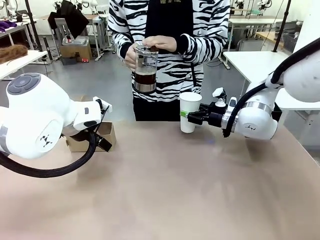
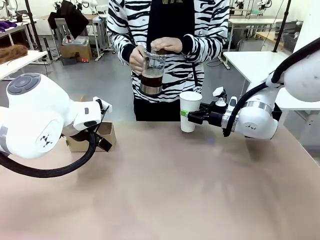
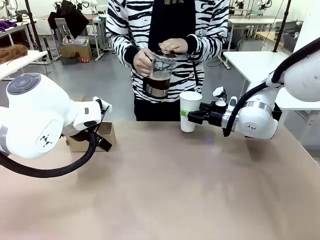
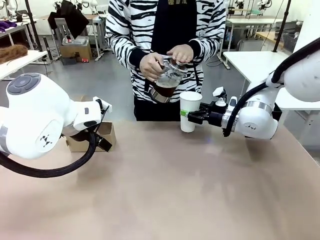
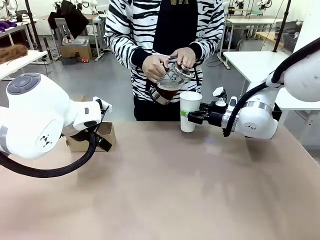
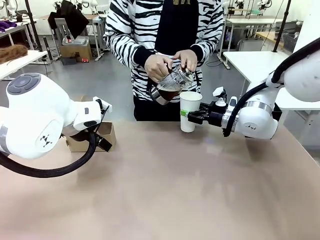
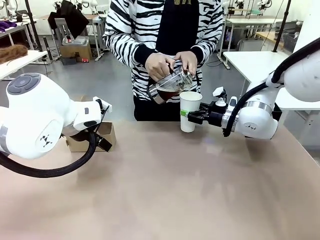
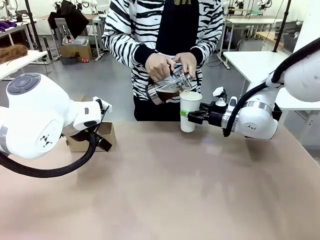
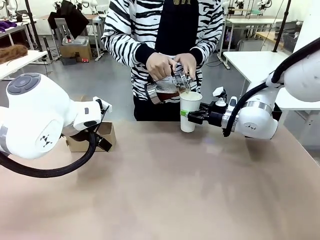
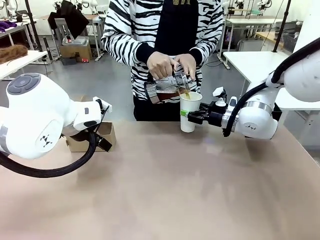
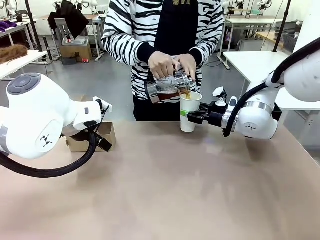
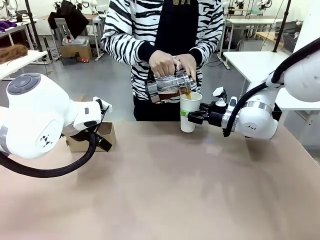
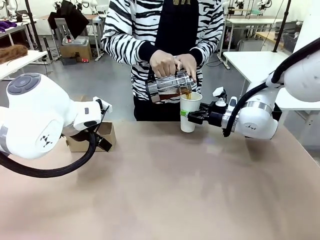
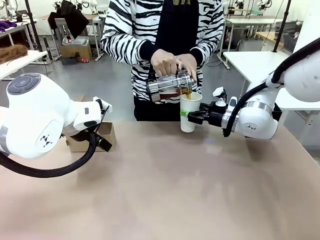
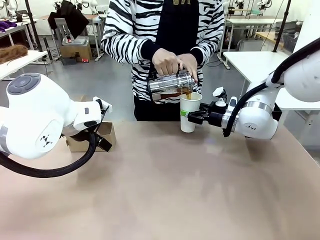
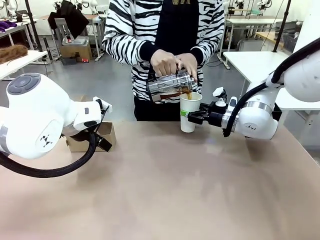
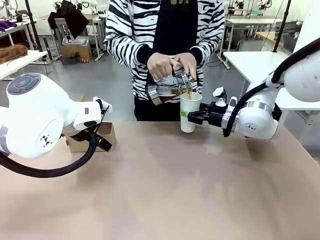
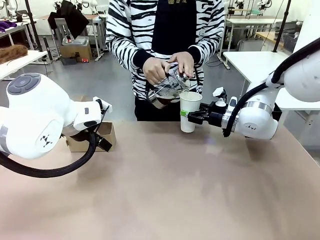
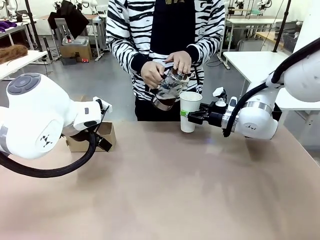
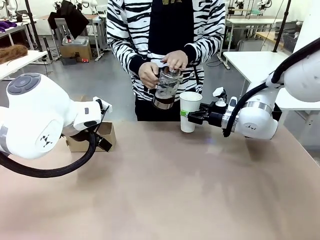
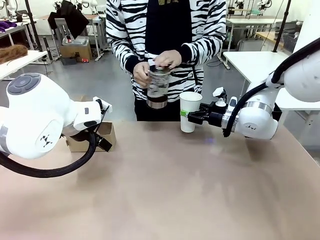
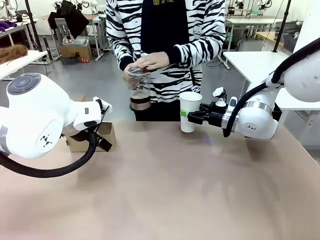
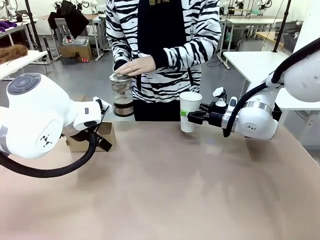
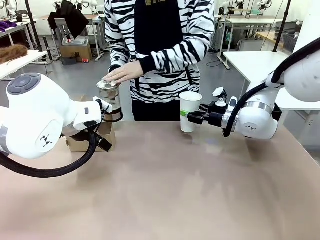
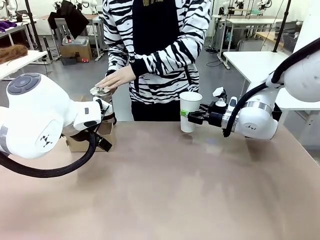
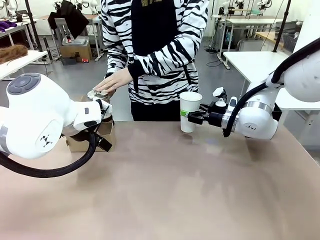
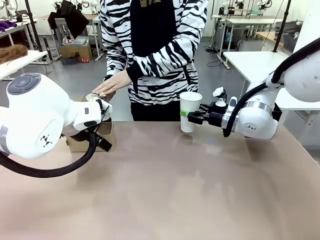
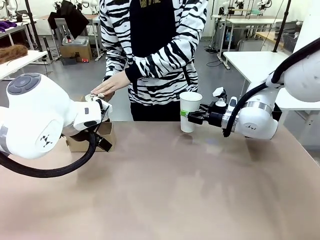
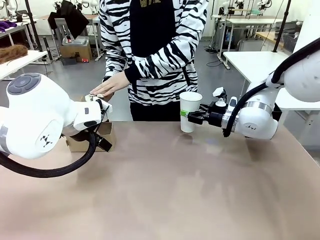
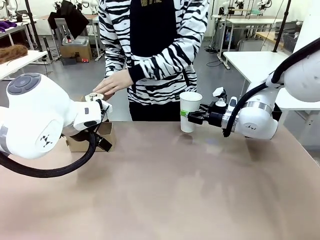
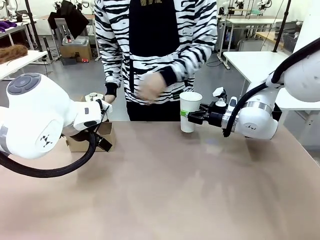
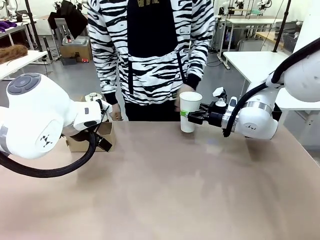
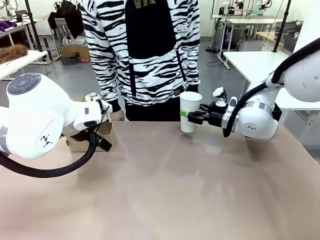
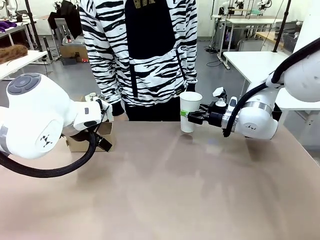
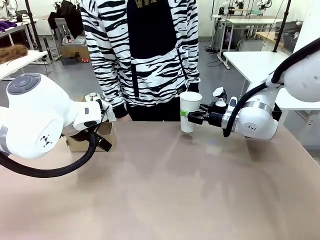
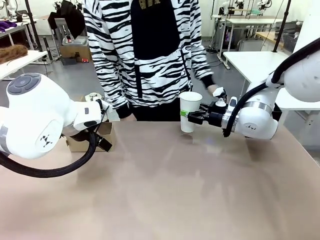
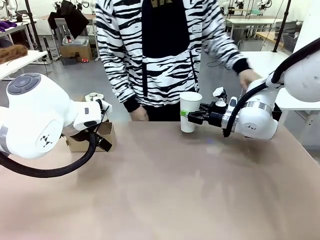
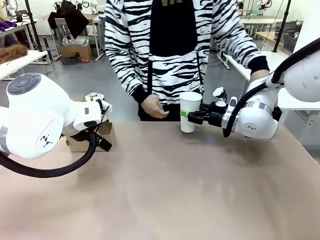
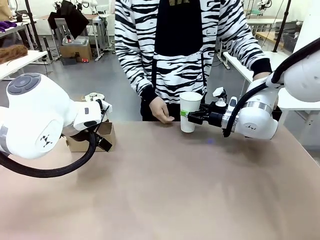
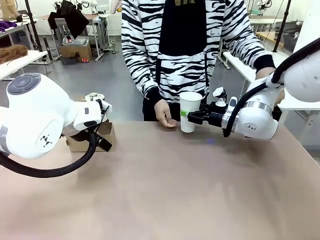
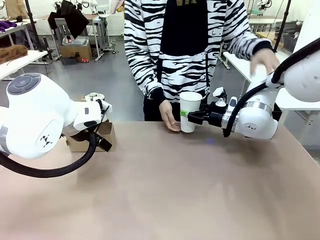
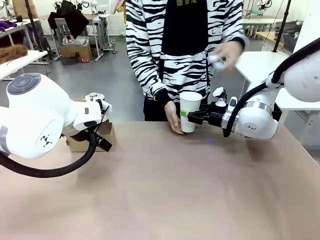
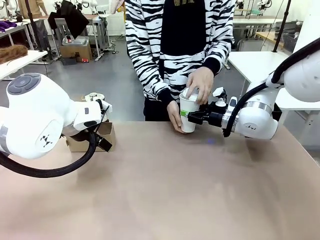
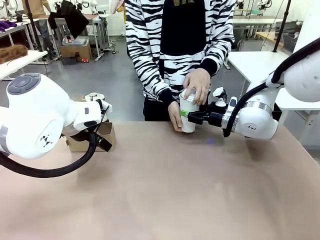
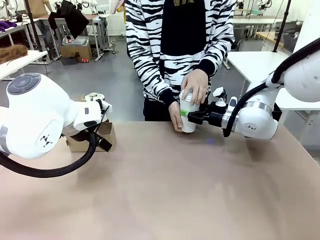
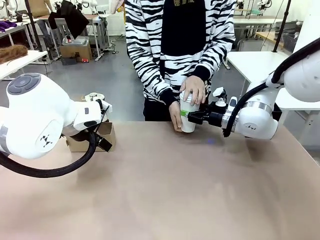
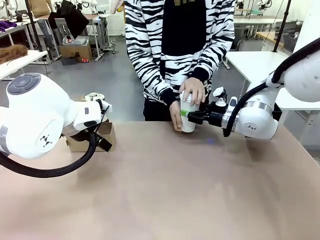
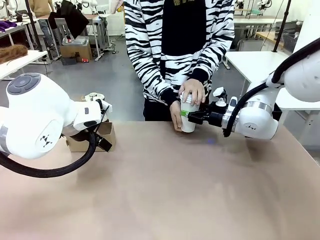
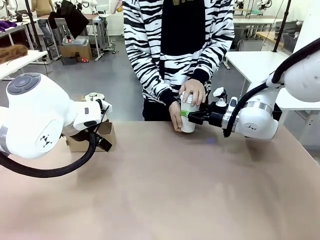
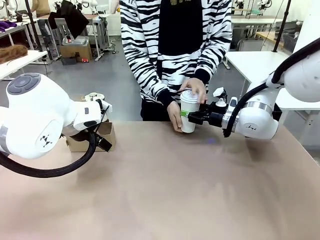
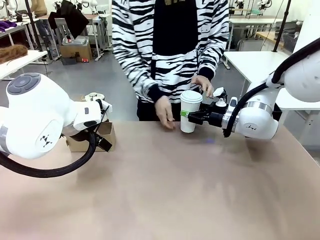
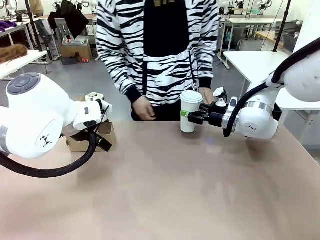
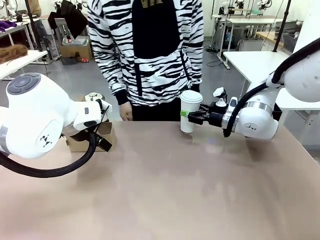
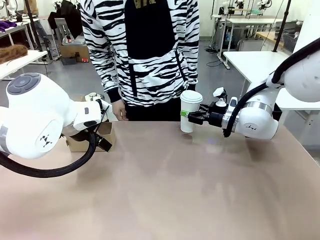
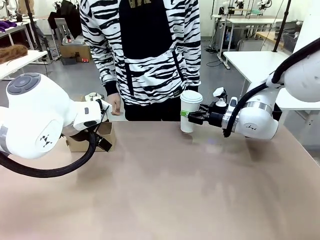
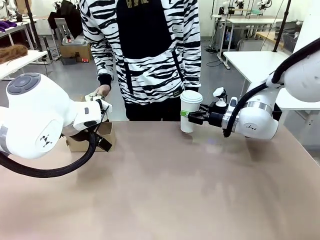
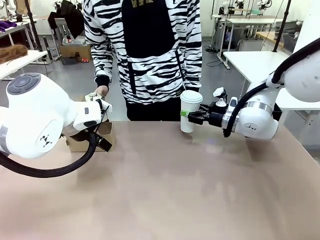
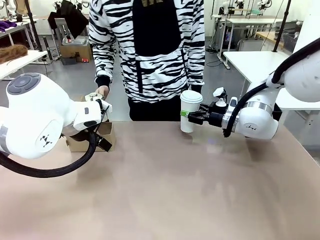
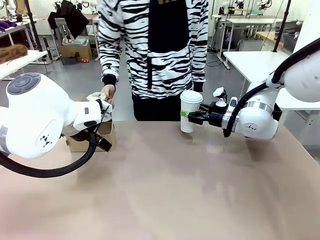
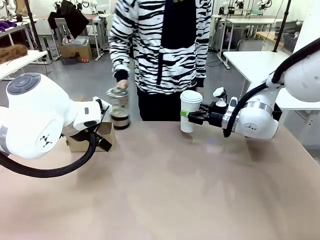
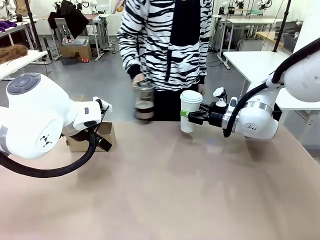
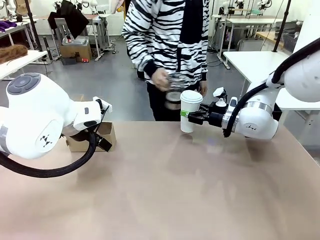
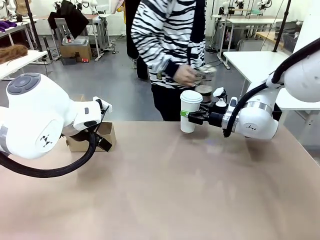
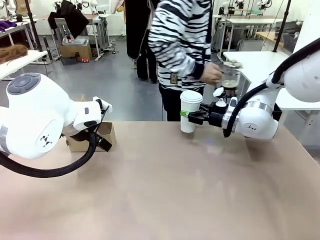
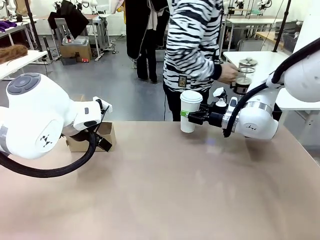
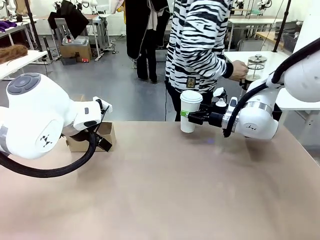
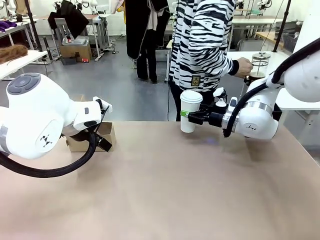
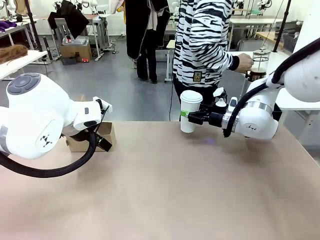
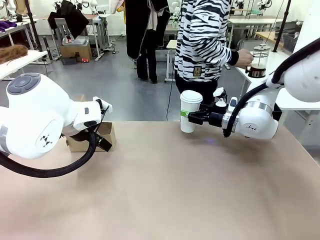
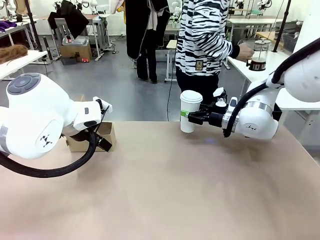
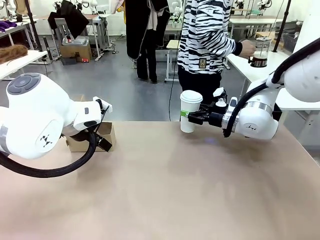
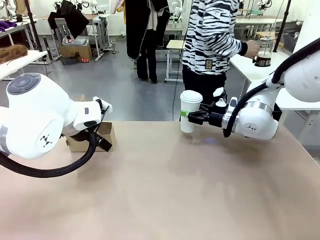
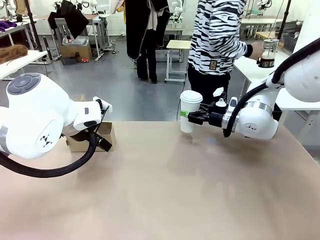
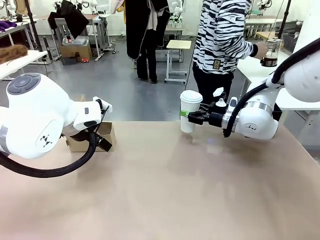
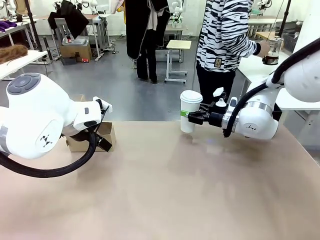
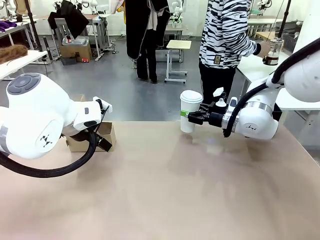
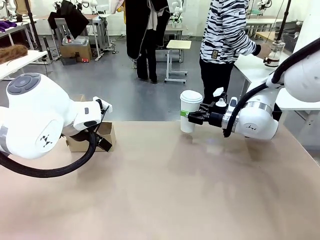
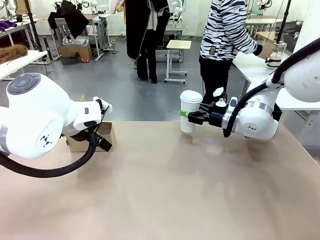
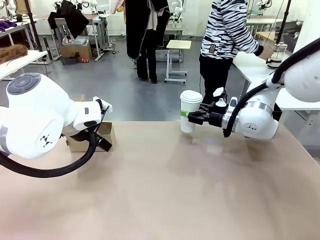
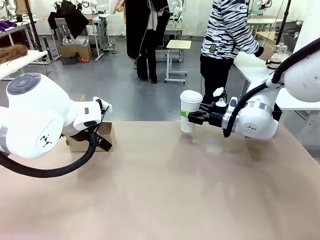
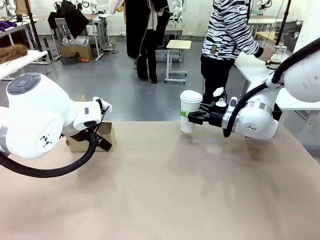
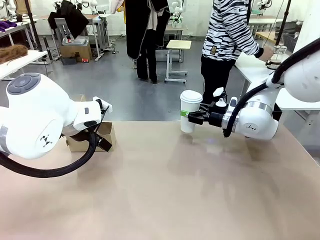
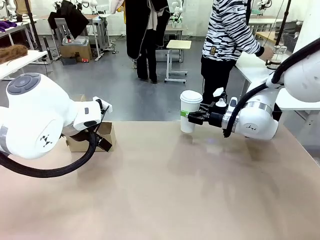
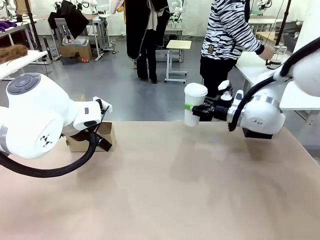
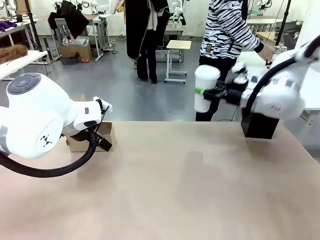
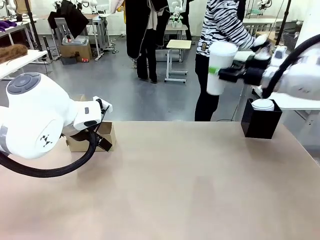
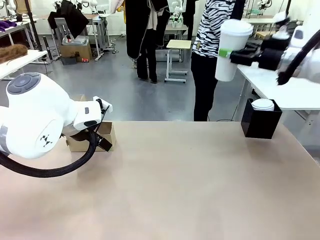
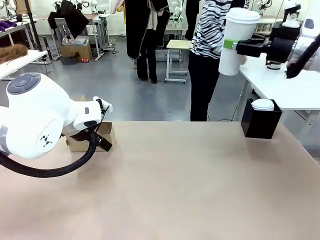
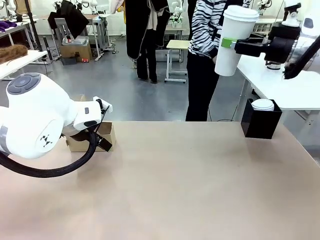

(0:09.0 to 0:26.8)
Task: Pour a drink into a cup and package it in a carrier.
Robot: When a person places the Paper Cup Lid on the 600 ml Paper Cup , lift the 600 ml Paper Cup.
Person: Pour the drink from the Filter Brewing into the 600 ml Paper Cup. Place a Paper Cup Lid on the 600 ml Paper Cup.

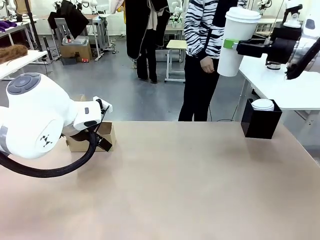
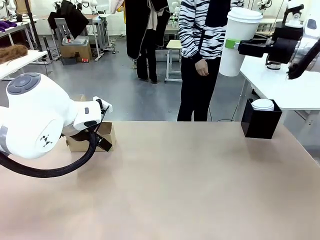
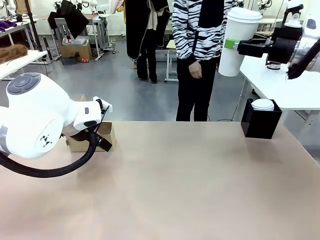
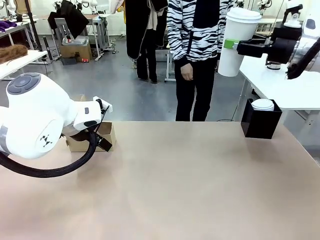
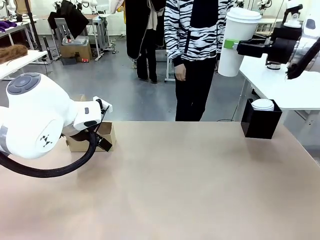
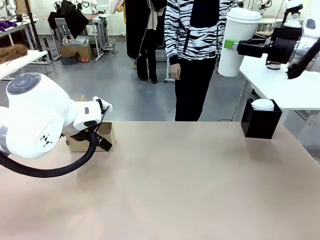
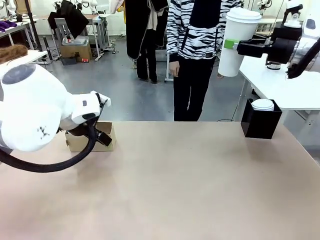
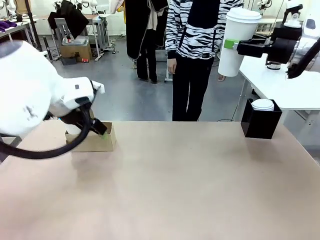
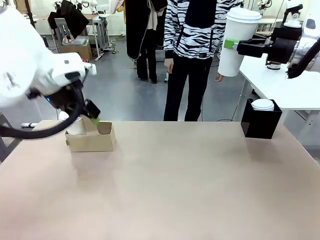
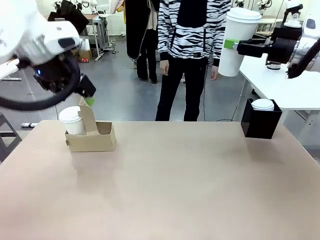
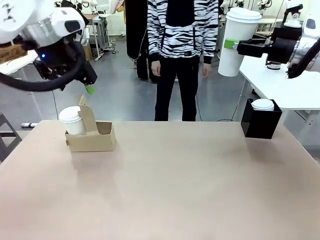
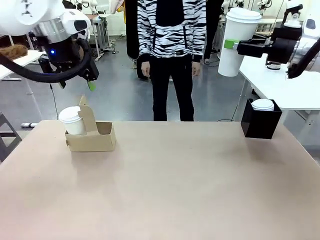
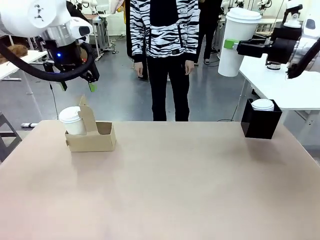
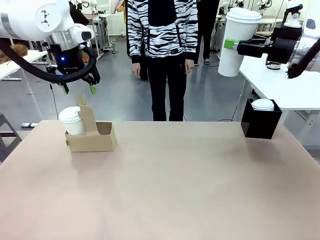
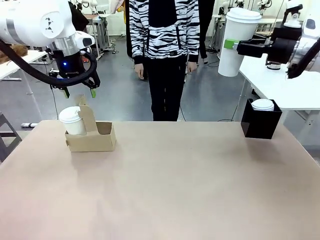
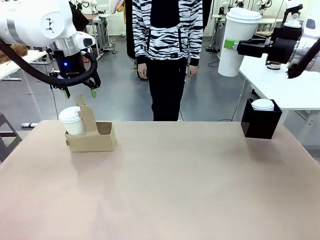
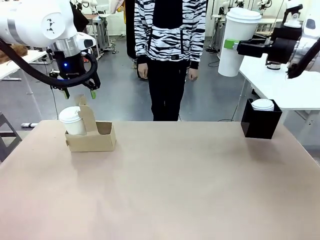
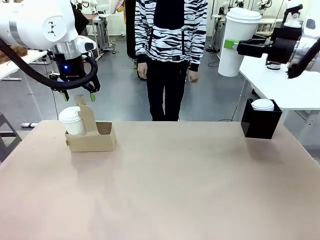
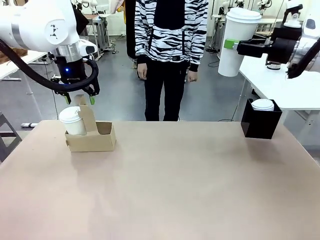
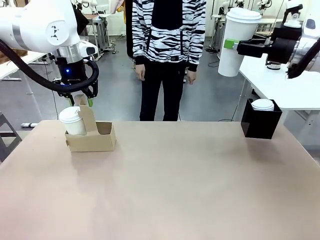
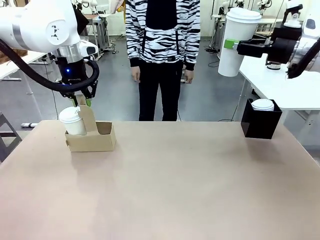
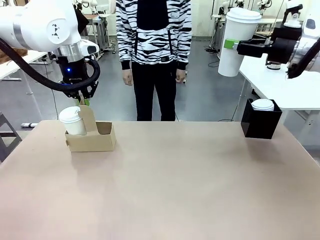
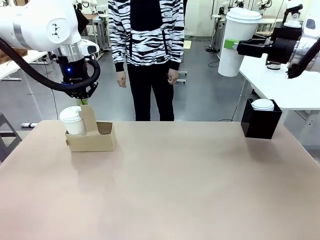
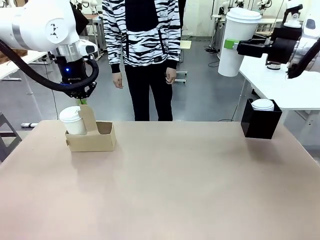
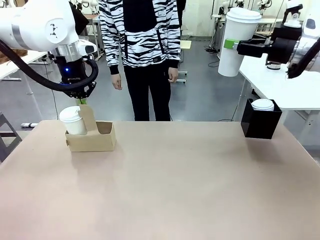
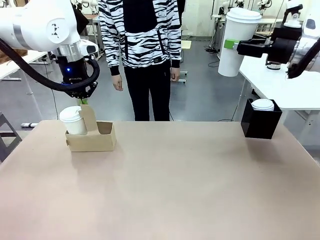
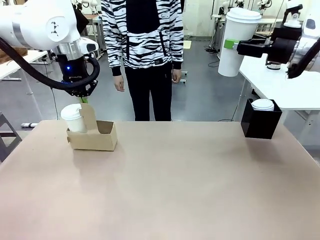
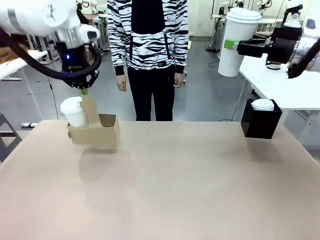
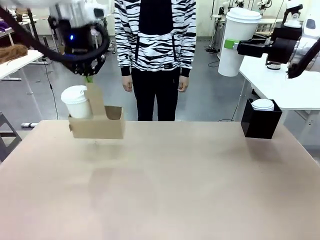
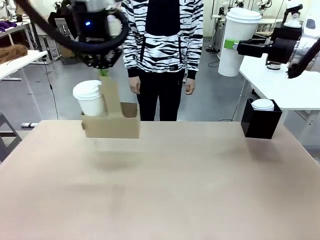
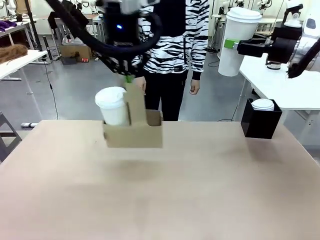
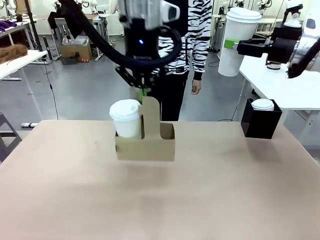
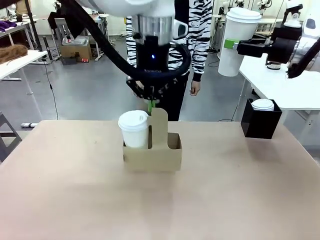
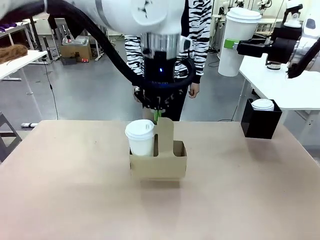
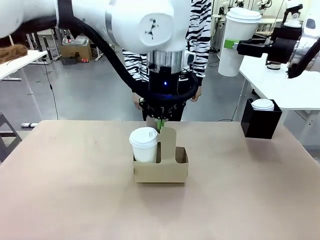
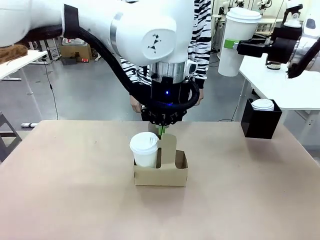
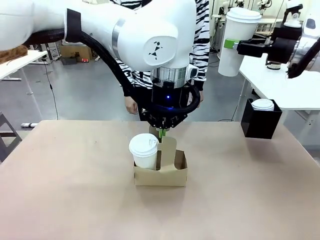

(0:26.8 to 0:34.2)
Robot: Position the Cup Carrier in the center of the table.
